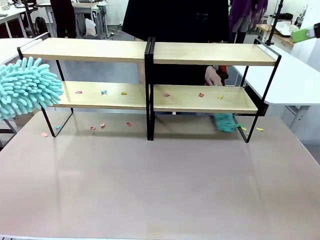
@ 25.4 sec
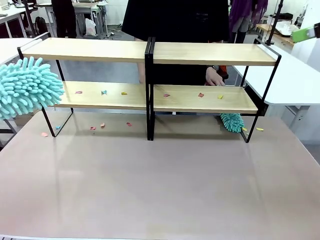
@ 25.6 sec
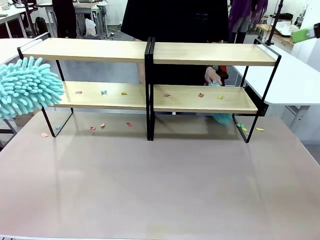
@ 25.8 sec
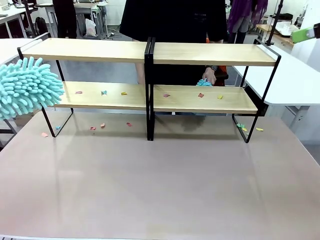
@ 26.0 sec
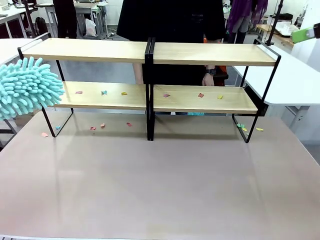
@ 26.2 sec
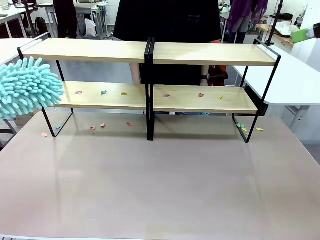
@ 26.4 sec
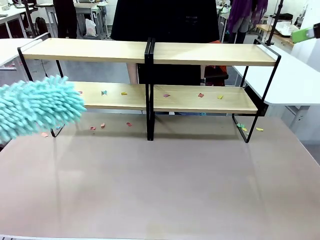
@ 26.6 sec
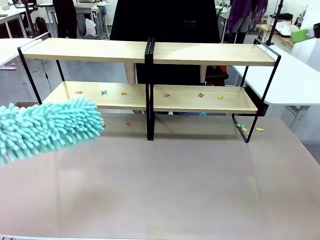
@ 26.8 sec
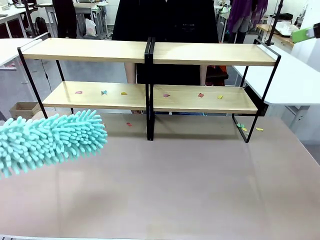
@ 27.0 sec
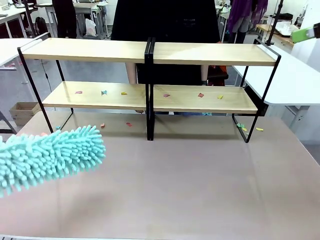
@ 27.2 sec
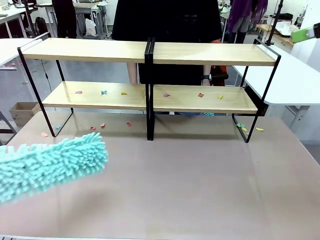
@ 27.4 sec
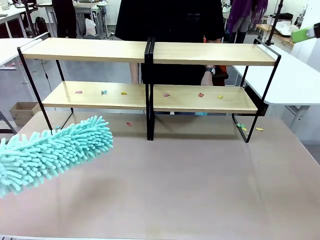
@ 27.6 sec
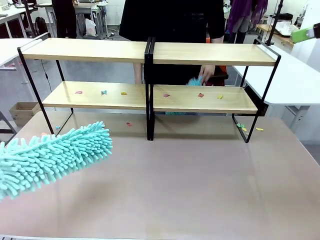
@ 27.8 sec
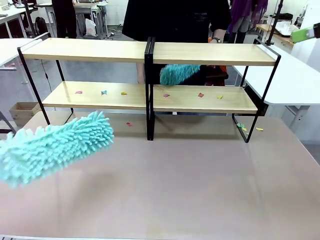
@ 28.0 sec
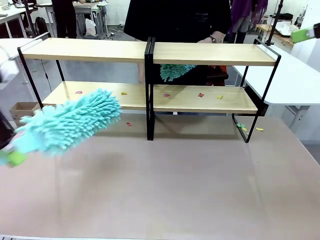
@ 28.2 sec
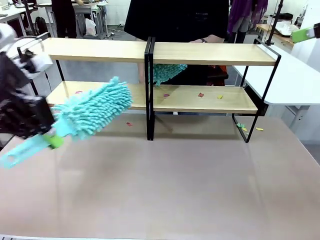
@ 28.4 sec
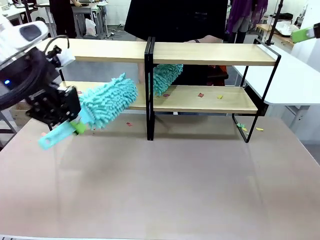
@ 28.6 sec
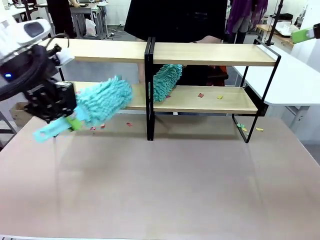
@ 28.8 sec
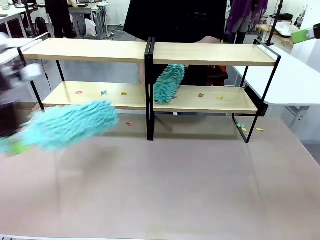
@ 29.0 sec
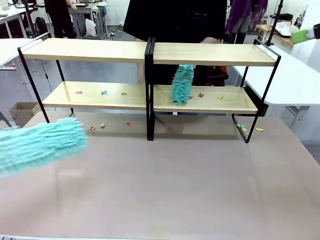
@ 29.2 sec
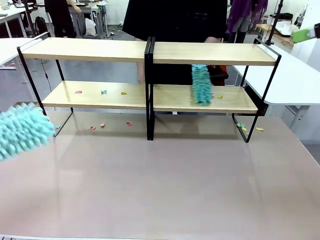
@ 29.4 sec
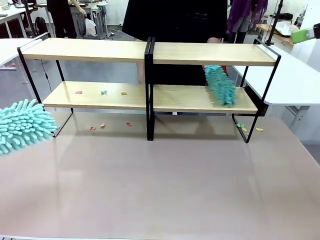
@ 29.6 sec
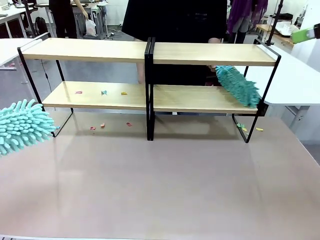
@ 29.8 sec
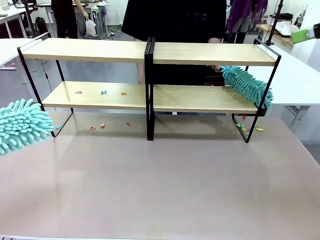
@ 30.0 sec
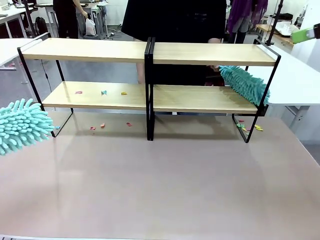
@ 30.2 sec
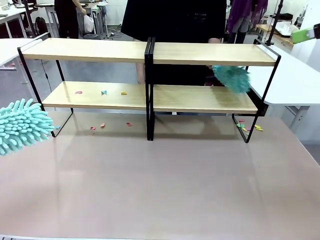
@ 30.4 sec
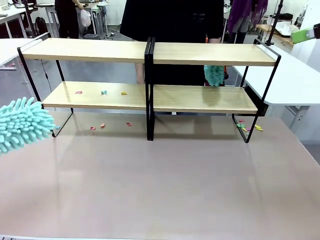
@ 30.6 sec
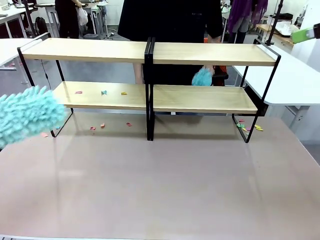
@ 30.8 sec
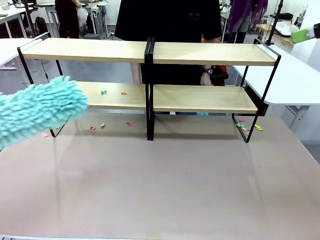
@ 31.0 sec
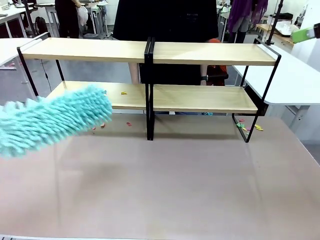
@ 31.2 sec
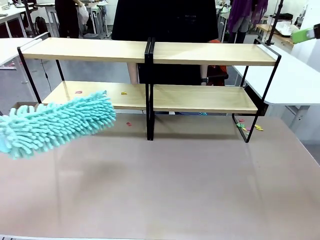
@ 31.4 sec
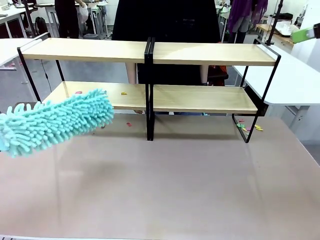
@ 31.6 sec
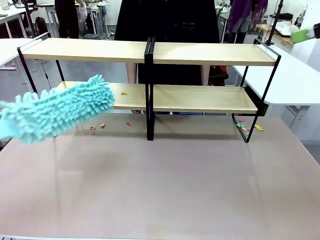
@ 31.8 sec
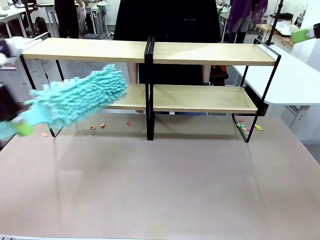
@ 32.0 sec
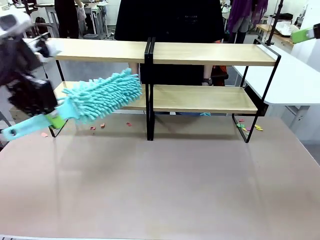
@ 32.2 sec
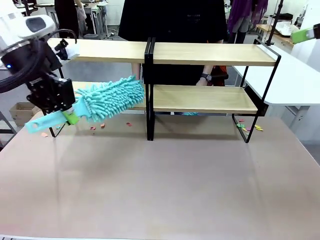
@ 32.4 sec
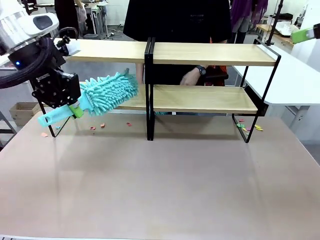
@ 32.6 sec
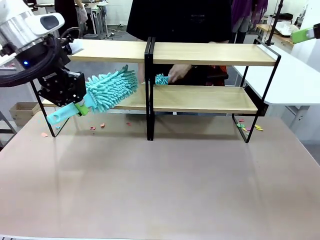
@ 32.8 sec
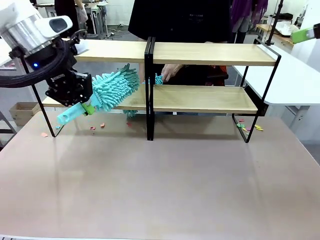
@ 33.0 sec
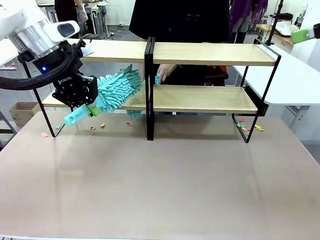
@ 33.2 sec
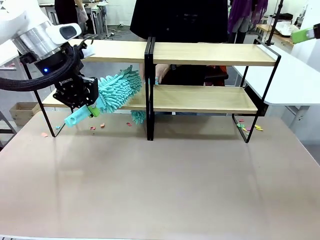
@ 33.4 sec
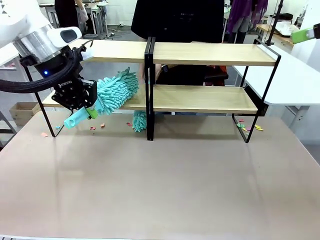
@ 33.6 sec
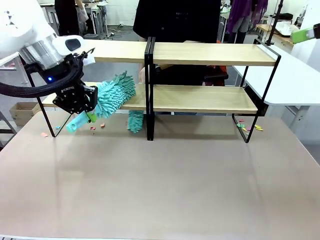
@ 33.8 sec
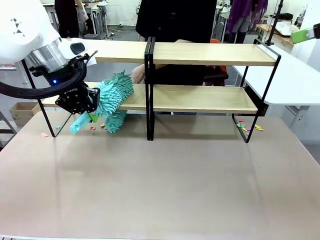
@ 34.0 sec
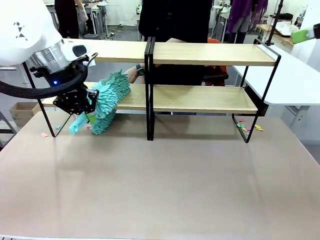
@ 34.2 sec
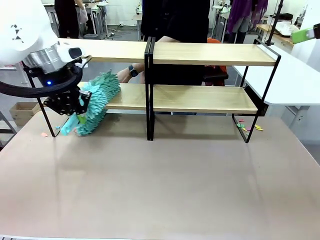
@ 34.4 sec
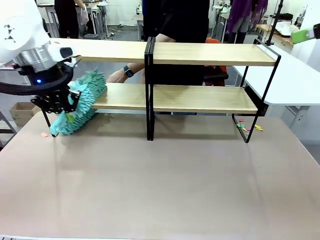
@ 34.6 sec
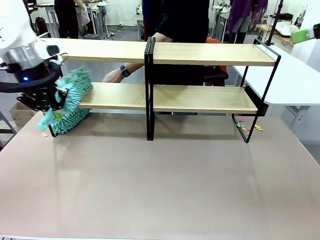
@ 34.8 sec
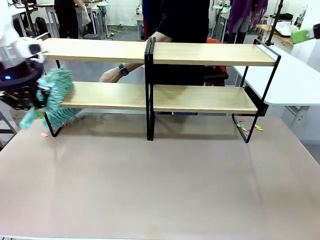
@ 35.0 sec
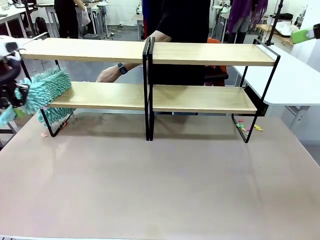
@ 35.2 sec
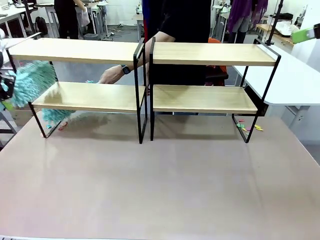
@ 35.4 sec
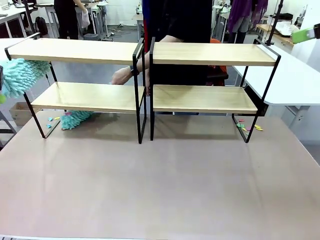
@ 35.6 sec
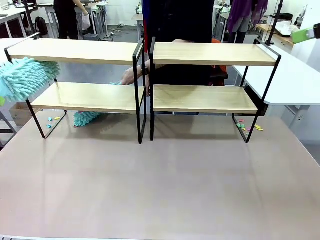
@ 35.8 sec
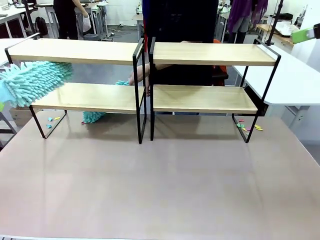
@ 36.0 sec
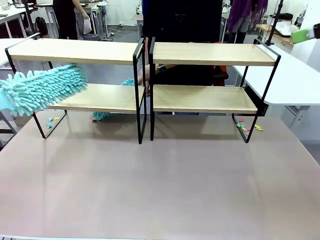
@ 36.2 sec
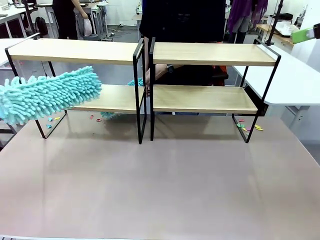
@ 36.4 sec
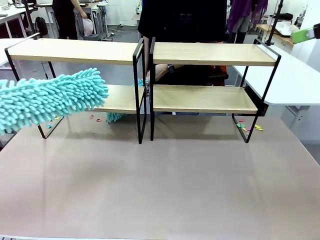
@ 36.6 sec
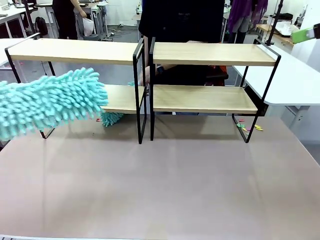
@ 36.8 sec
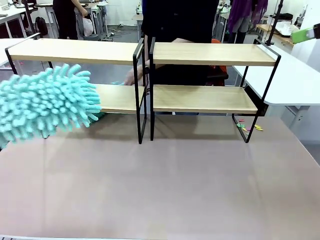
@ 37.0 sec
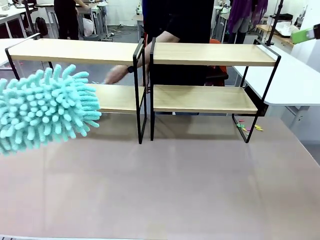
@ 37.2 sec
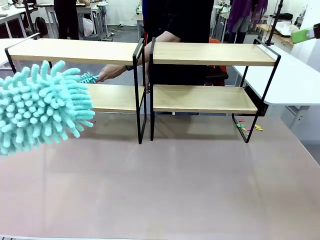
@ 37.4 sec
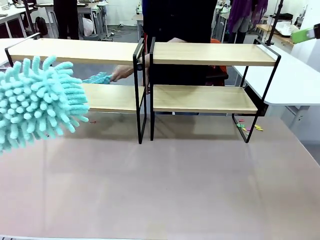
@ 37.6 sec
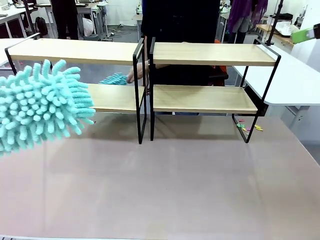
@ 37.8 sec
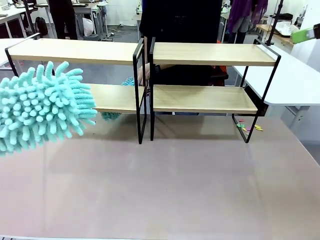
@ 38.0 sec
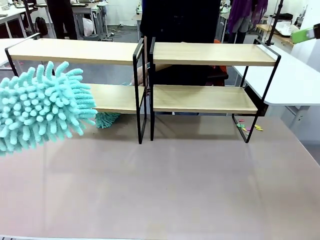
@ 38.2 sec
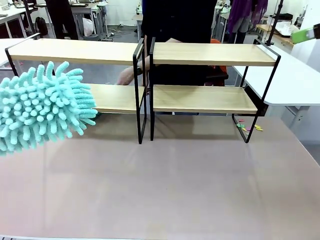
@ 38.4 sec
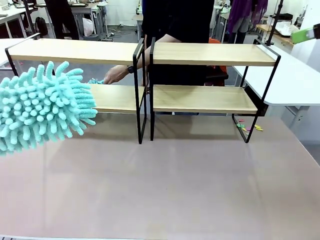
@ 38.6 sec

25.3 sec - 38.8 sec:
Task: Clean the shelves.
Robot: Clean another randomly selected level of the Shelf with the Duster.

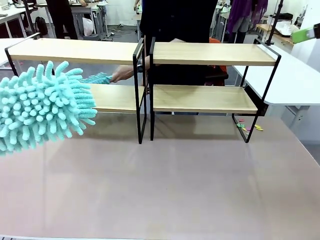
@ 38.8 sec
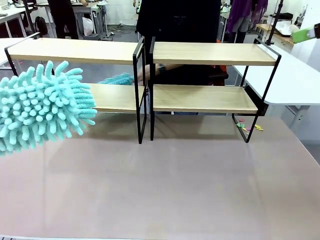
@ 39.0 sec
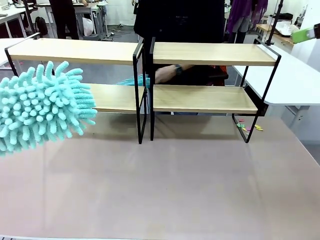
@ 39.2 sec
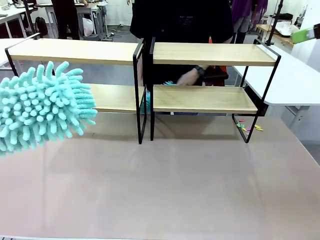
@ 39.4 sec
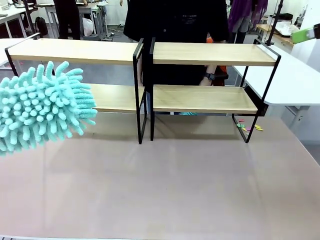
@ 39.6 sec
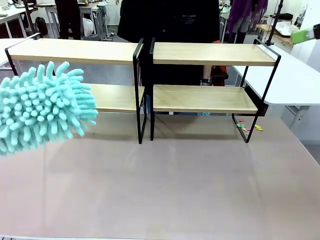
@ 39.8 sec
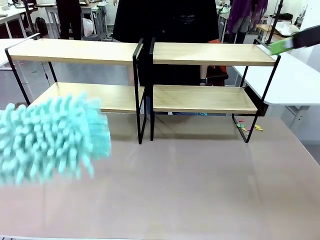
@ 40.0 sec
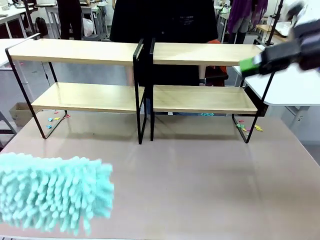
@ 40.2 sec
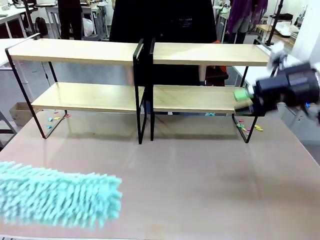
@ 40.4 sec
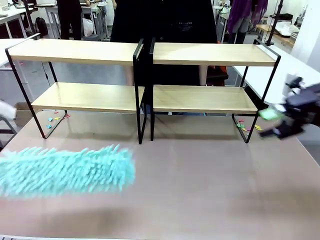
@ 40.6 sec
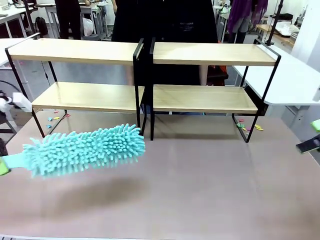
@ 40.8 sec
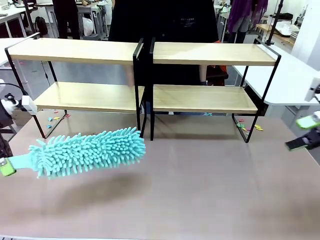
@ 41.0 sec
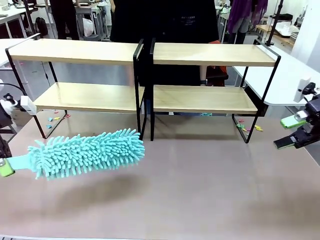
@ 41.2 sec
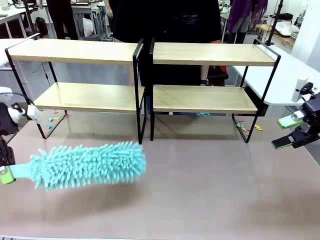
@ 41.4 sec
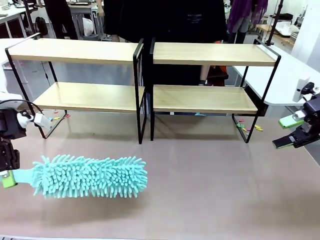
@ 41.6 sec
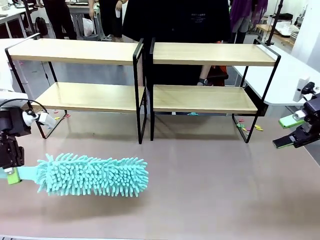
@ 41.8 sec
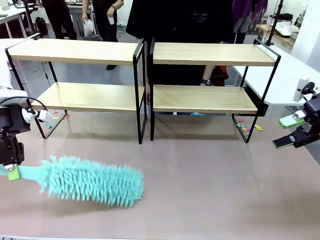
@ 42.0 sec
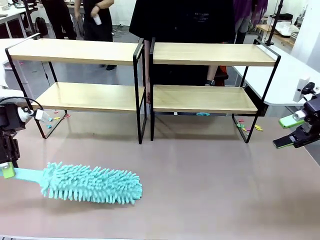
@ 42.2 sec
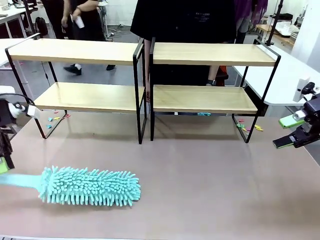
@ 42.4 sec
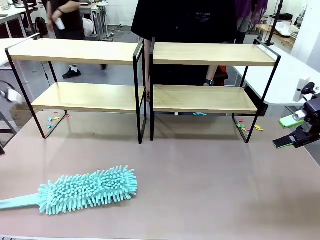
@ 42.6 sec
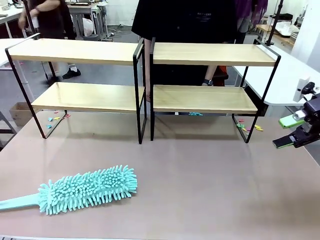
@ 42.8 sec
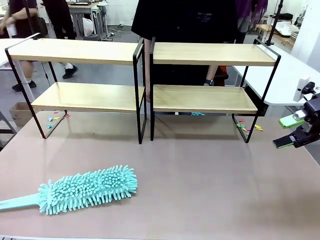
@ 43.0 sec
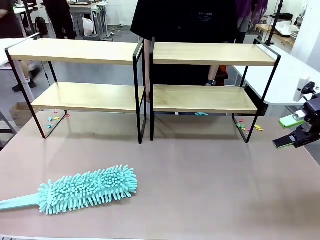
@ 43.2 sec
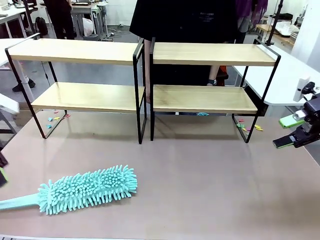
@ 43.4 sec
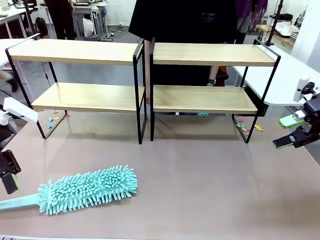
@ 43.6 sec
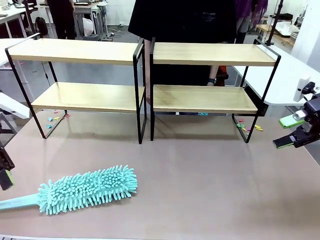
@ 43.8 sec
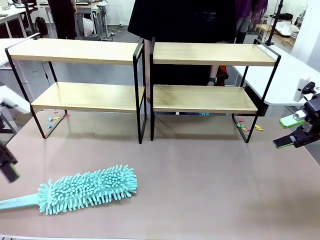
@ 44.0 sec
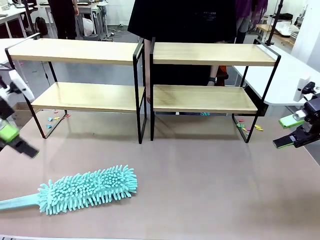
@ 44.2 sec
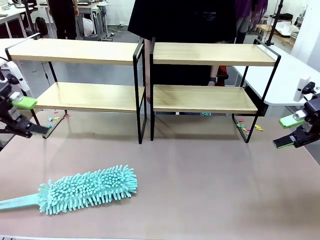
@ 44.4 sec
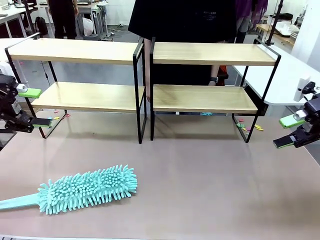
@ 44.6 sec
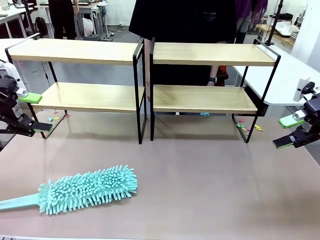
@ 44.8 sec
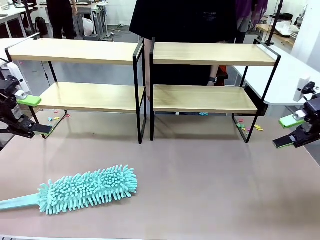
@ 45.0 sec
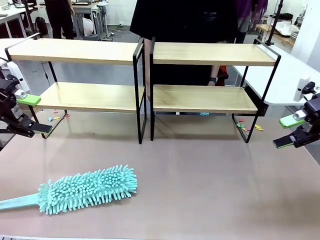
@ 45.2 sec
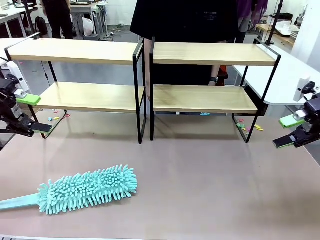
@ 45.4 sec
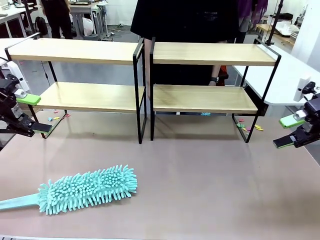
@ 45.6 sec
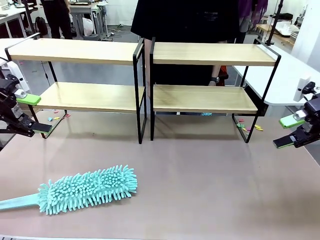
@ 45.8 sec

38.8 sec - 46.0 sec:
Robot: Place the Duster on the table.
